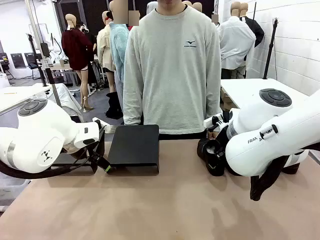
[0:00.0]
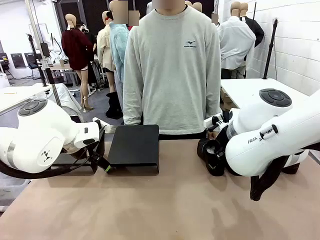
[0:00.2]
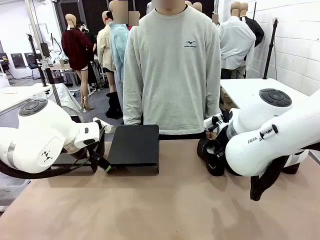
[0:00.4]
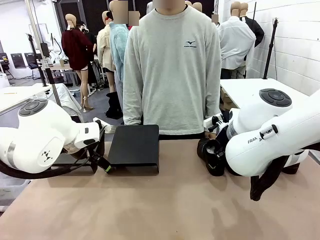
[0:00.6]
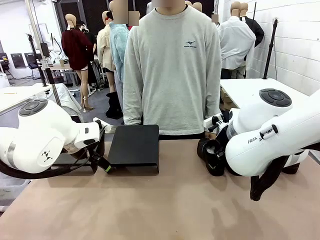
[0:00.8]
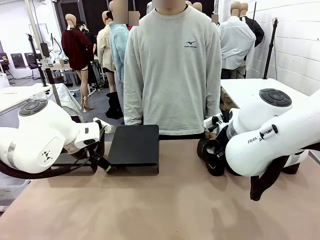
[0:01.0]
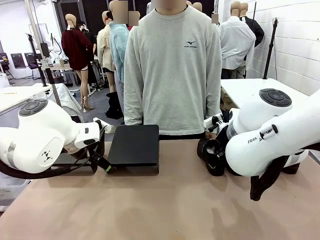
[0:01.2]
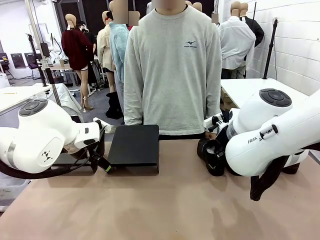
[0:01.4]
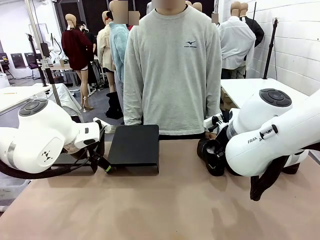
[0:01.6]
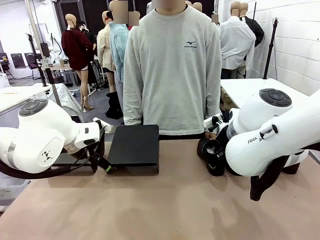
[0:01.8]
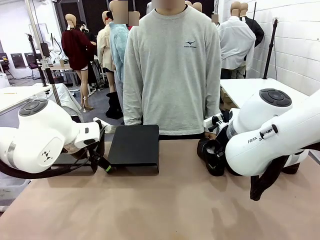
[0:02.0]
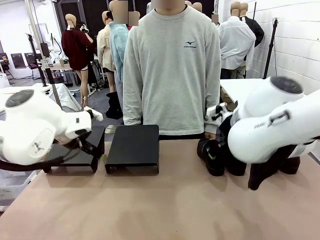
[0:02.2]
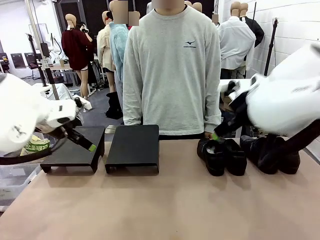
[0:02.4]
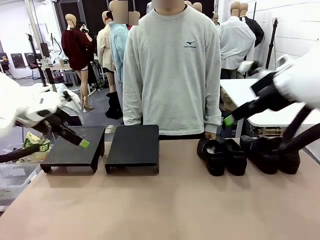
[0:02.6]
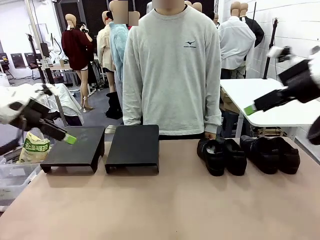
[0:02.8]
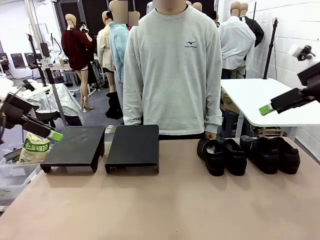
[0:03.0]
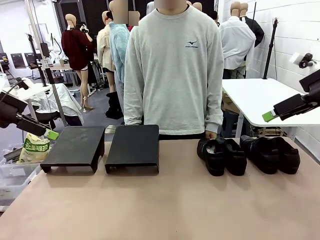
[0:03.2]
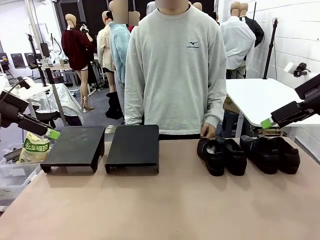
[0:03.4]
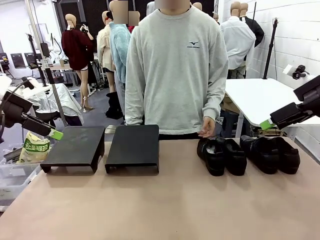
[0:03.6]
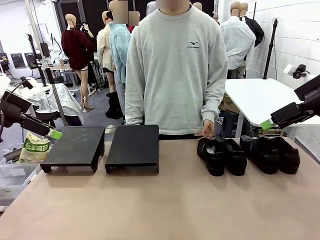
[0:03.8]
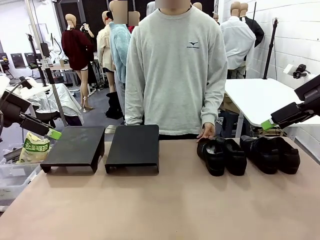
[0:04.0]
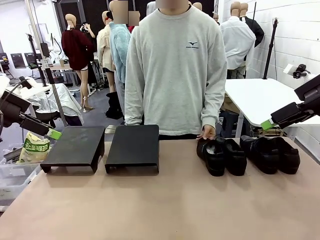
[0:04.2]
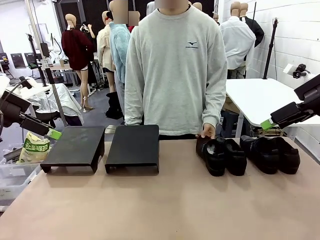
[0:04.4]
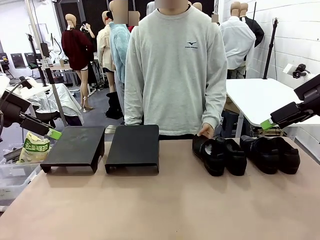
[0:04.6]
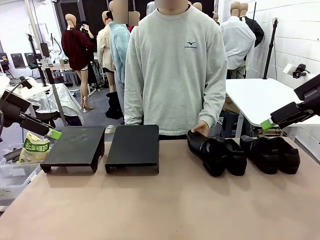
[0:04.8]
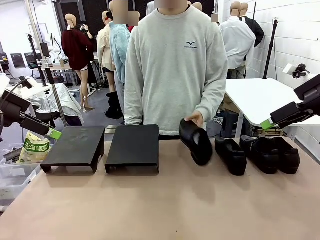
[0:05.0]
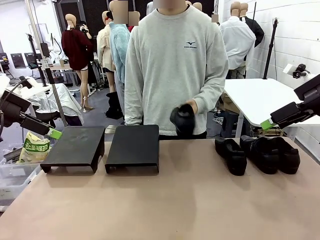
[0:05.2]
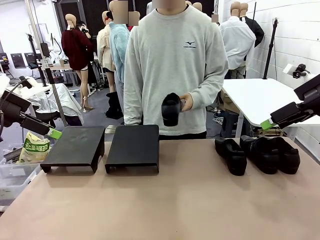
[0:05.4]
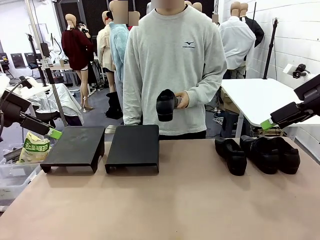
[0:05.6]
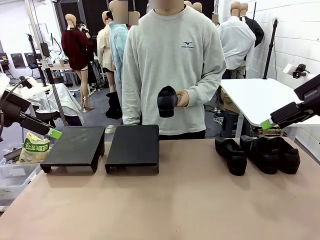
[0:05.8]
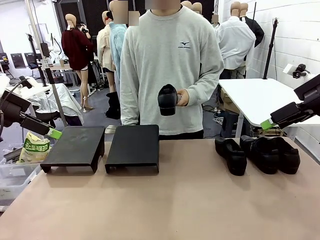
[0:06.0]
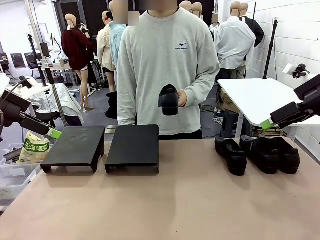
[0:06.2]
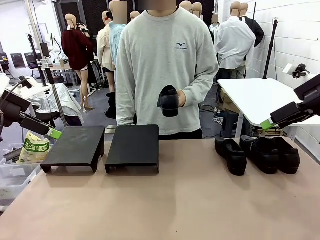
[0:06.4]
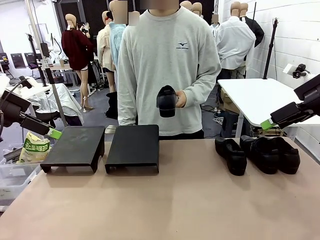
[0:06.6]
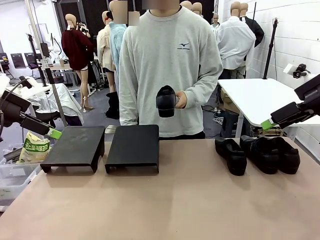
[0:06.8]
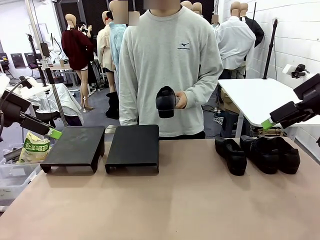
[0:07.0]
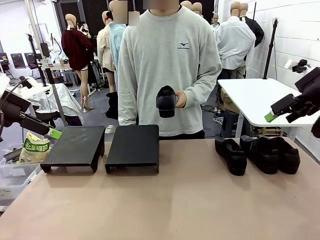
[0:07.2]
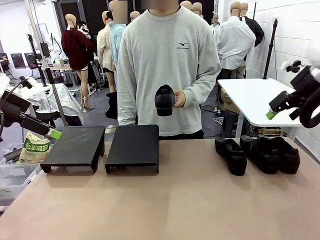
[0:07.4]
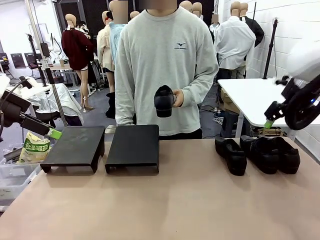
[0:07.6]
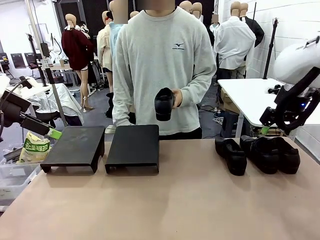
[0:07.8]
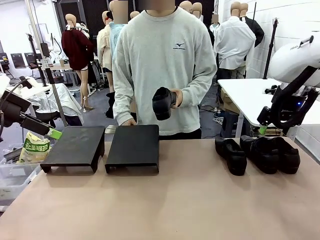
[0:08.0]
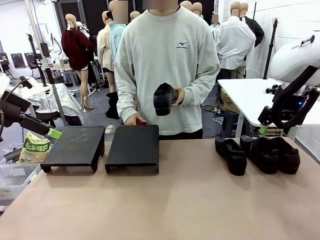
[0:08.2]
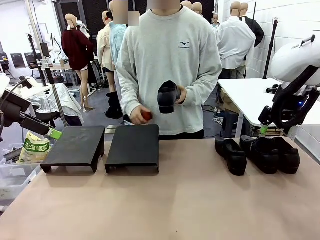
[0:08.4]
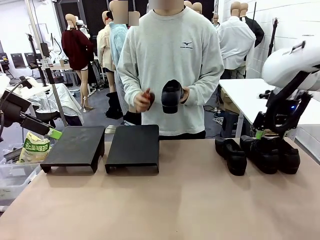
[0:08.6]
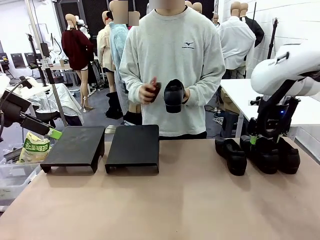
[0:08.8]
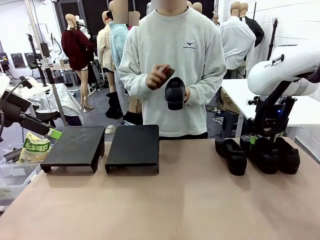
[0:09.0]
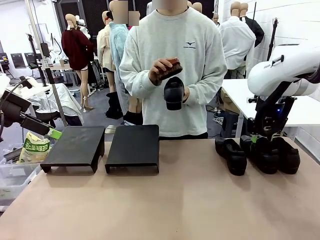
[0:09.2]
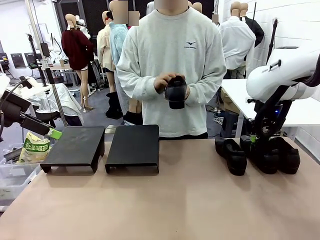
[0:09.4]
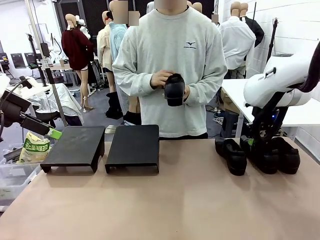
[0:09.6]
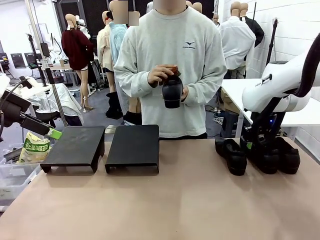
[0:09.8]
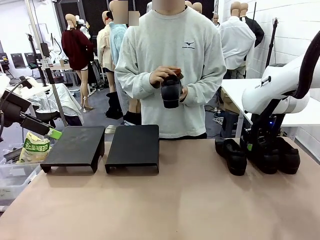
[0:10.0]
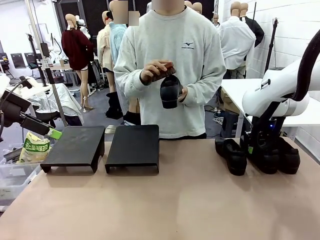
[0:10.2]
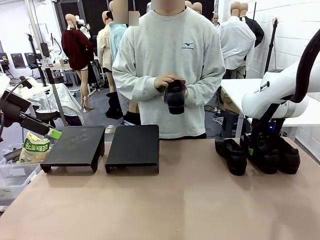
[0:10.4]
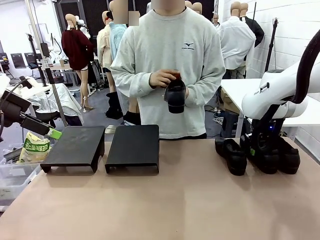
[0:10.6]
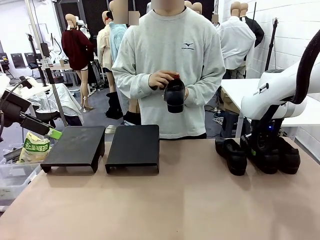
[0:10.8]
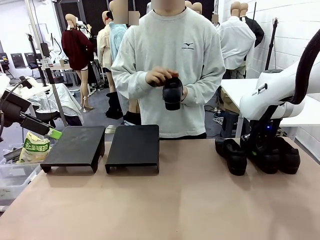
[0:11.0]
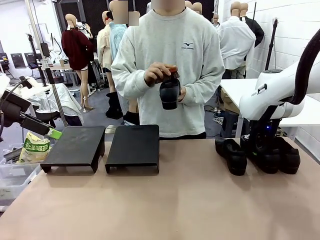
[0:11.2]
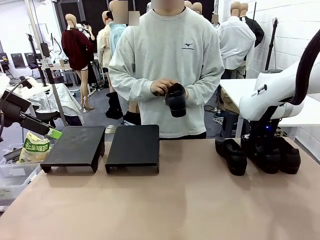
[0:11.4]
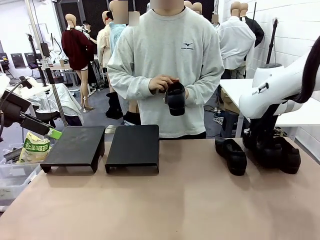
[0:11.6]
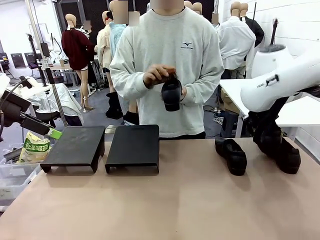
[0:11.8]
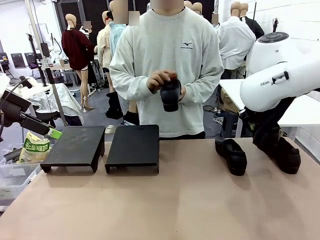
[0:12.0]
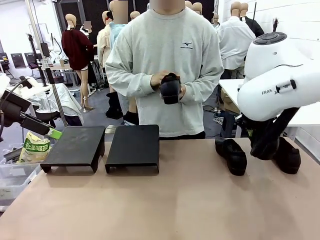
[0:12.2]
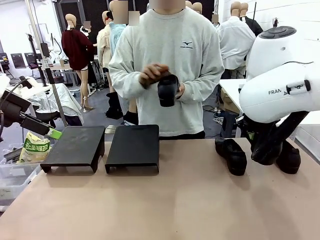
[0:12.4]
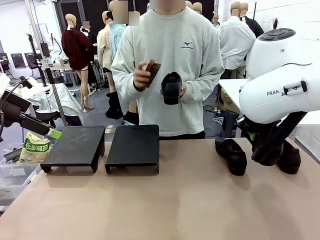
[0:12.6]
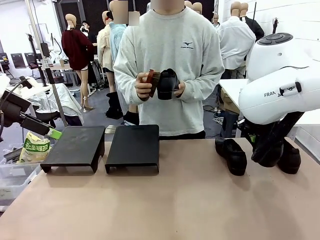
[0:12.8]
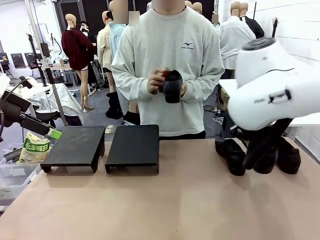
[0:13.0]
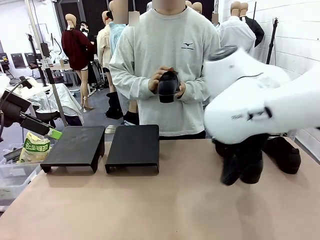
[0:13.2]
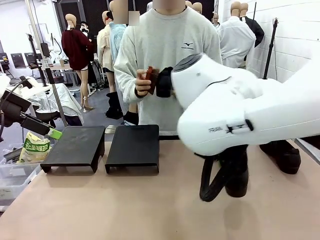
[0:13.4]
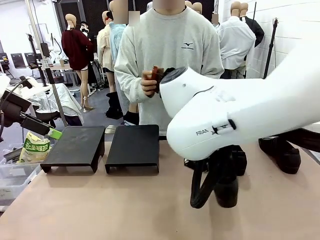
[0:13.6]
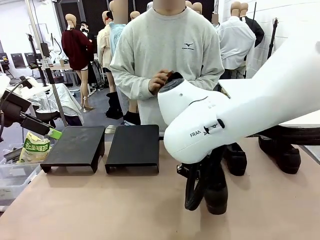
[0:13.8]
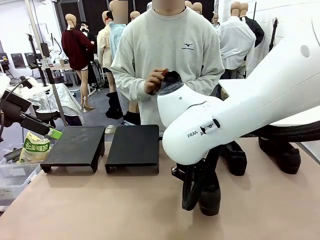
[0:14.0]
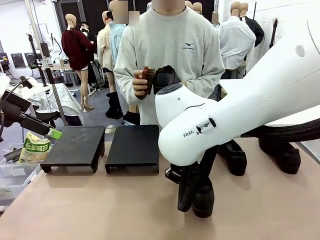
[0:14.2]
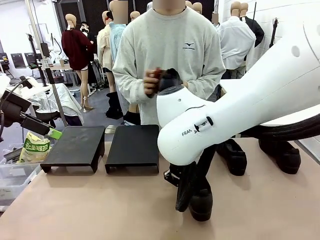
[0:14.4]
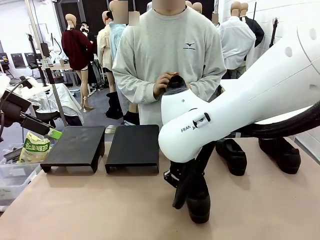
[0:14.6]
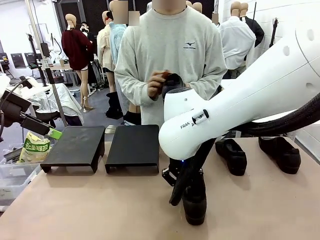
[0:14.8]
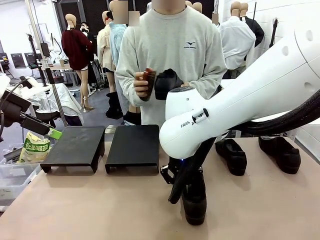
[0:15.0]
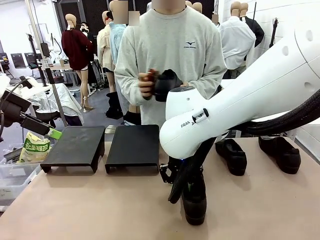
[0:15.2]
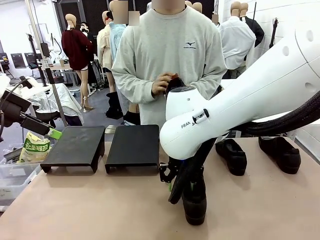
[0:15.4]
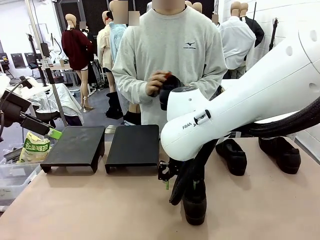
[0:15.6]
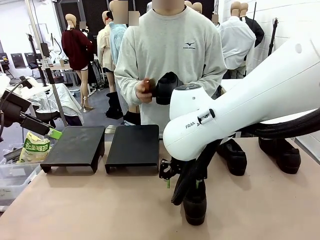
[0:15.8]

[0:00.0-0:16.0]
Task: Organize the shoes by placing them on the stand.
Robot: Pick up one Shoe and place it in the middle of the table.
Person: Pick one Shoe on Robot's table.
